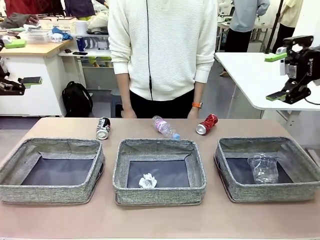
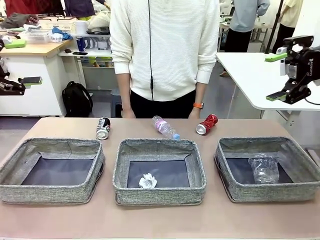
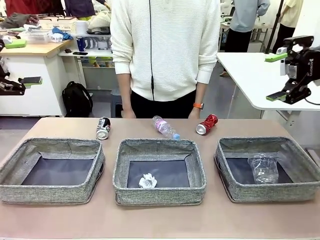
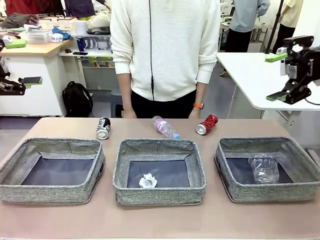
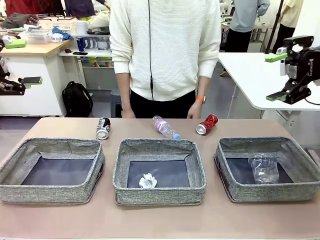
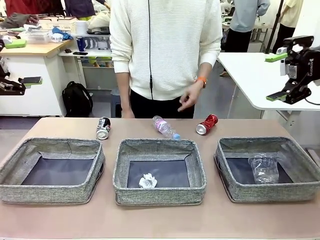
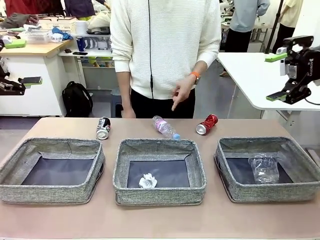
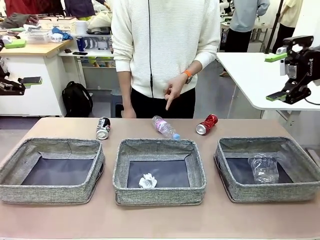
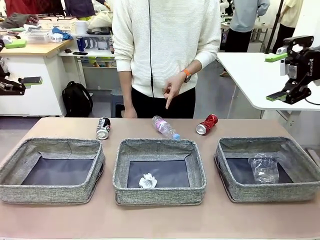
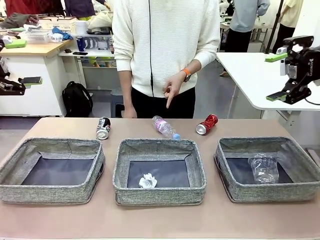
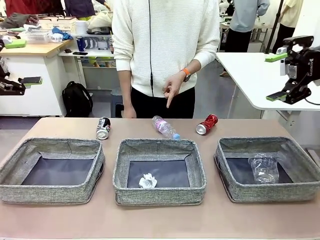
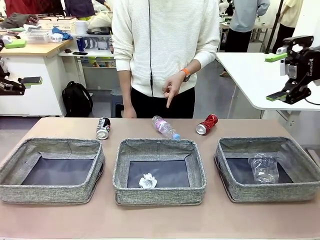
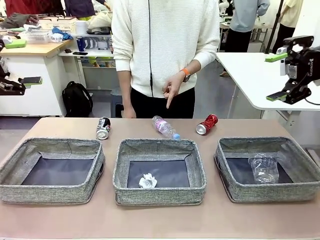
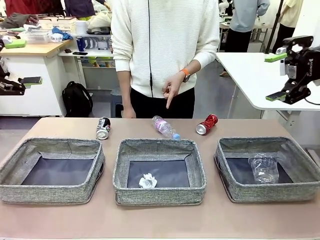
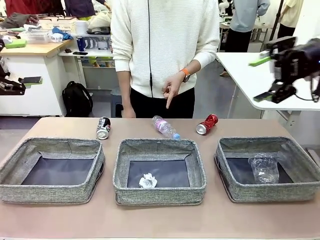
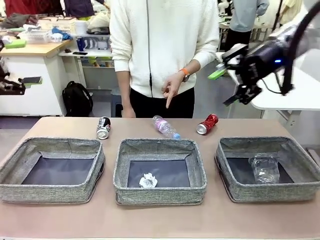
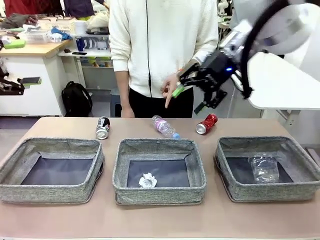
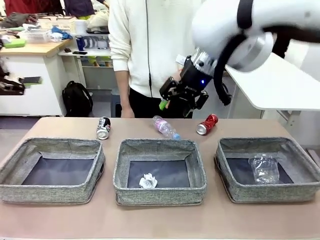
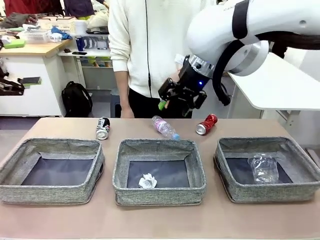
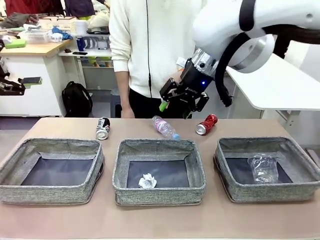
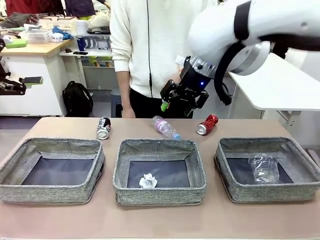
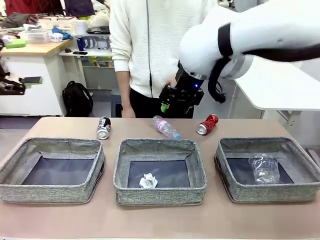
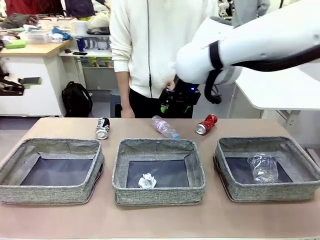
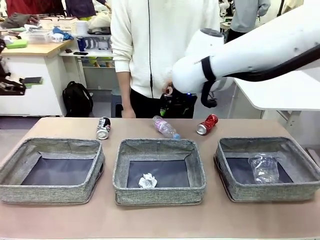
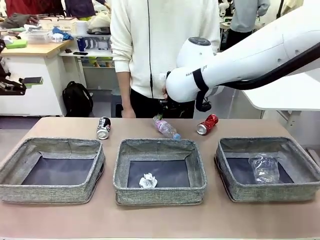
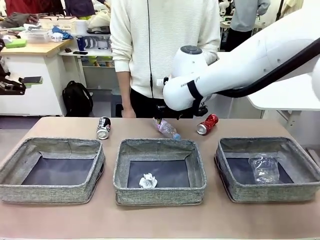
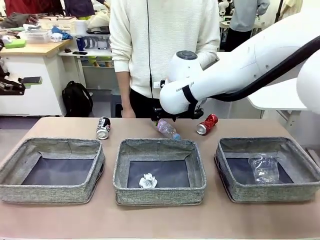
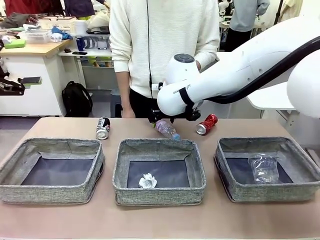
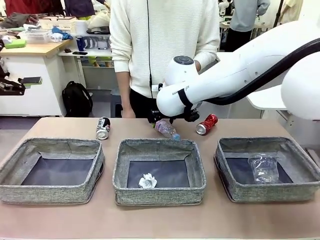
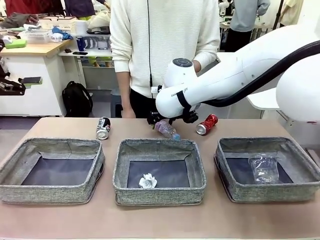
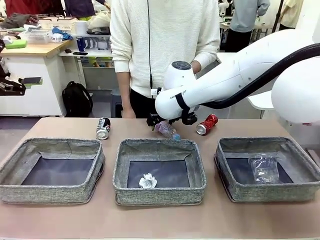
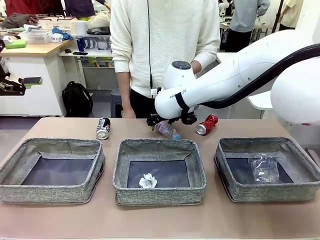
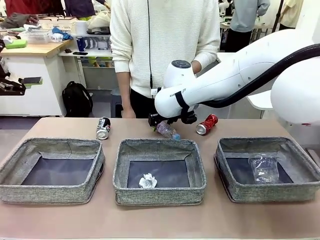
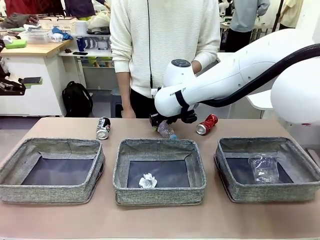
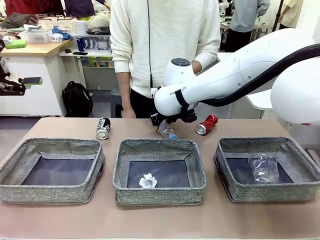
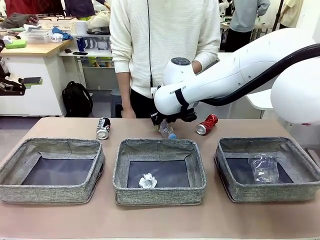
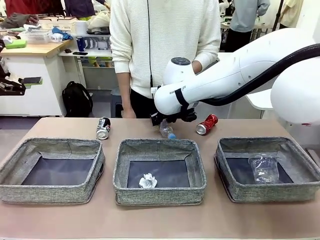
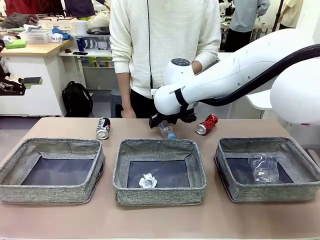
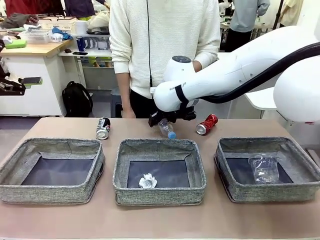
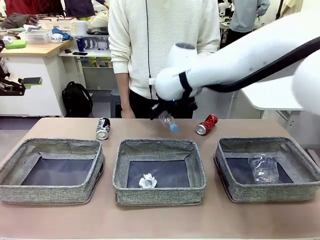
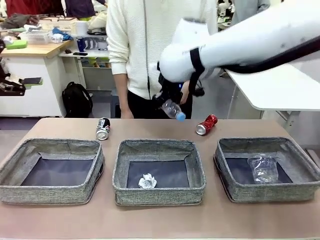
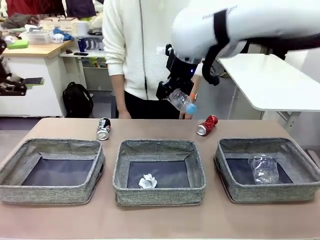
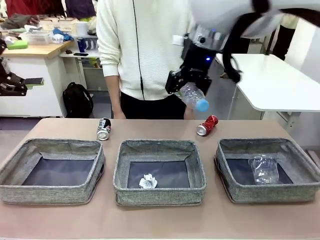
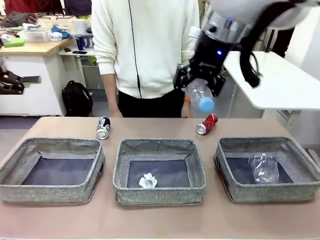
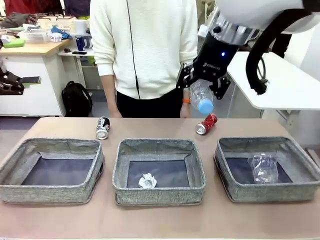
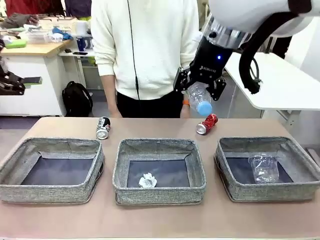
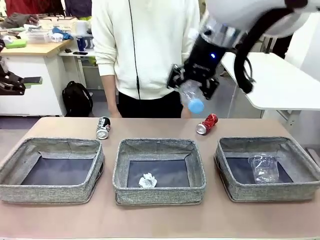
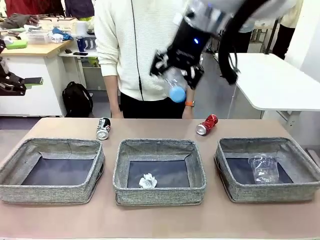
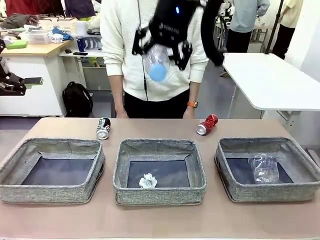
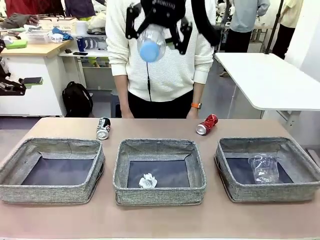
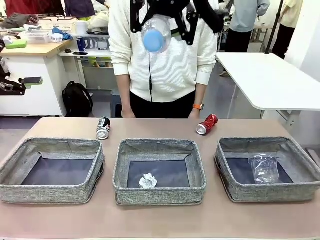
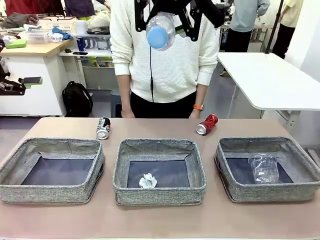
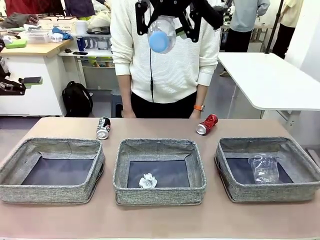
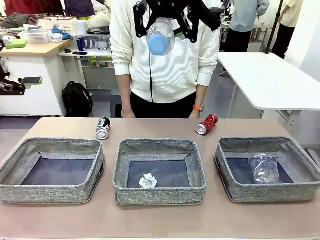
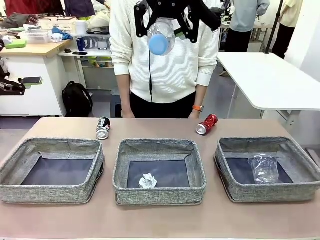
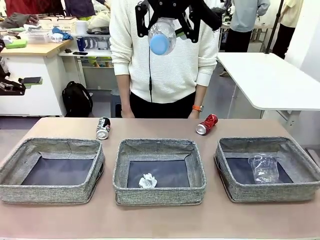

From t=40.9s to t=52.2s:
Task: Sort the waste into the appropriate baskets.
Robot: Pick up the waste item pointed out by the person.
Person: Points to one piece of trash on the table.

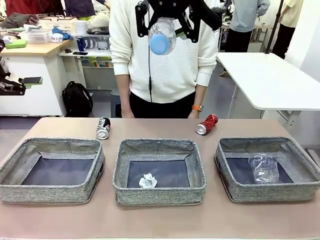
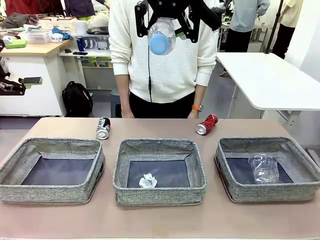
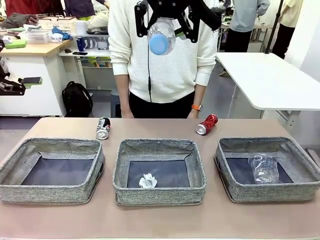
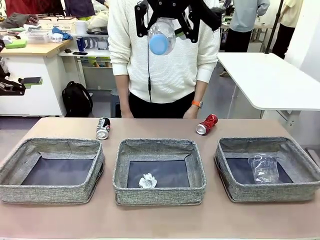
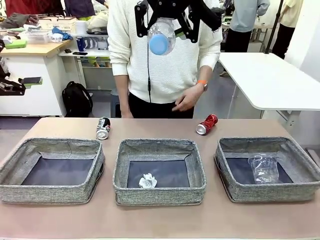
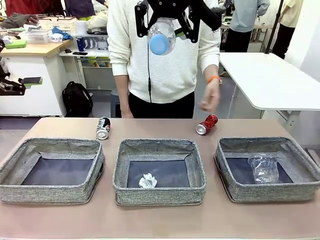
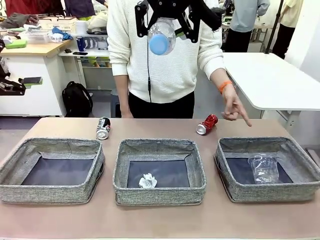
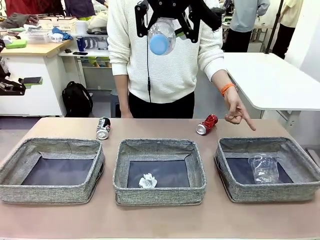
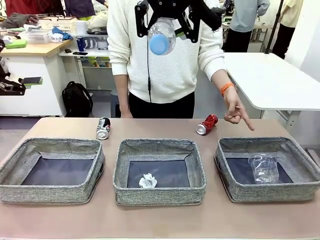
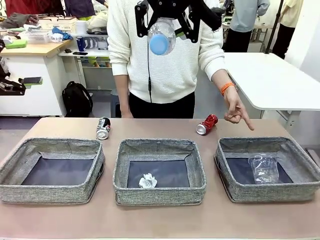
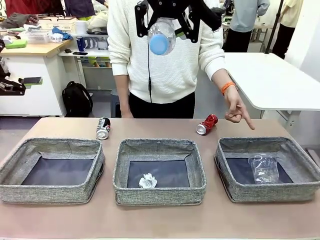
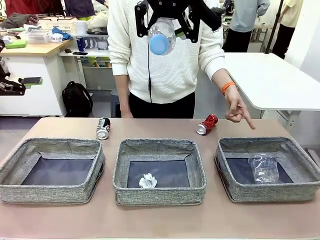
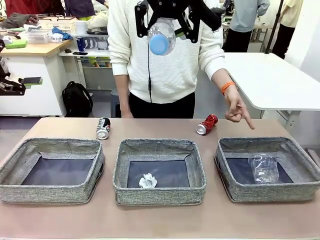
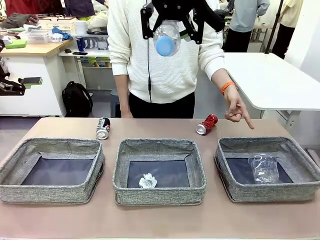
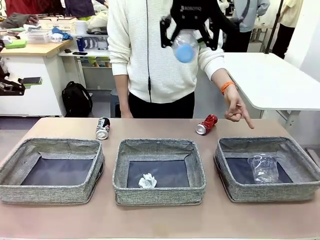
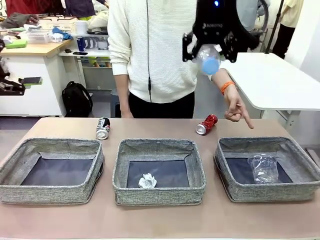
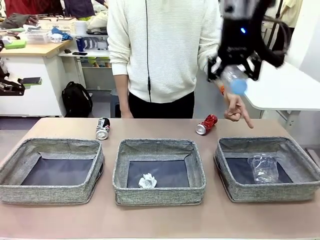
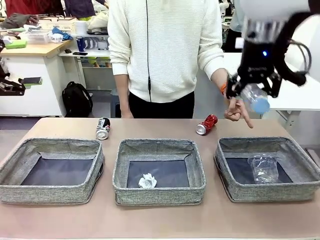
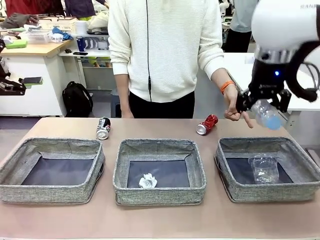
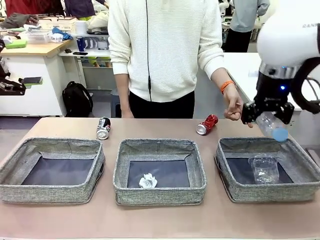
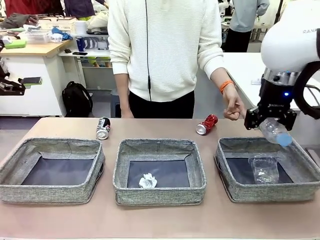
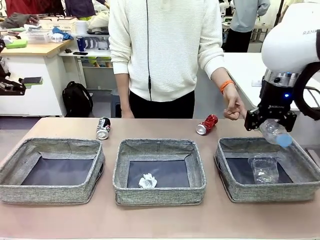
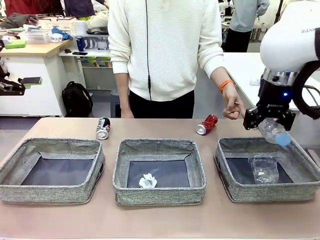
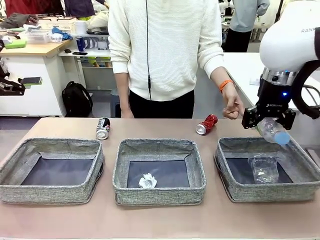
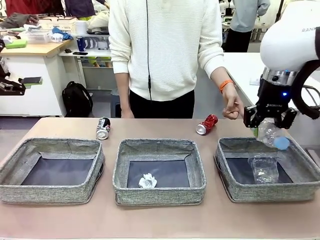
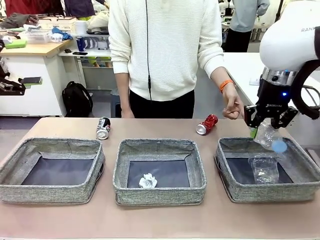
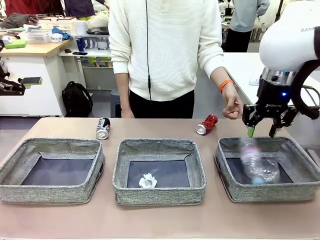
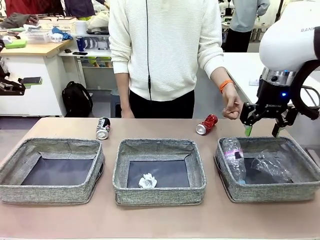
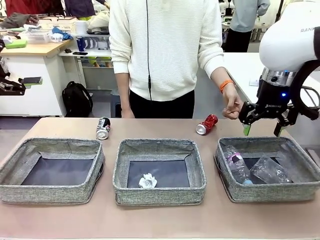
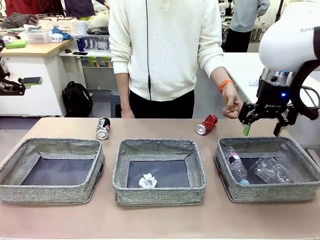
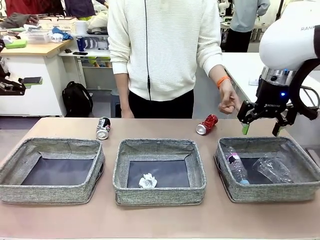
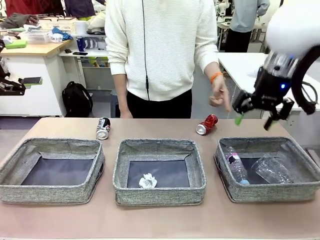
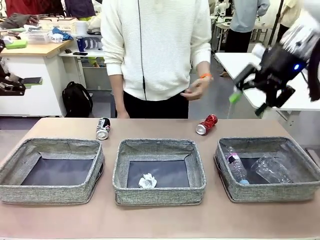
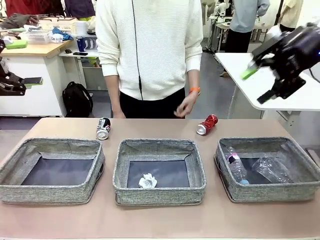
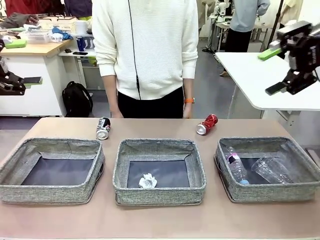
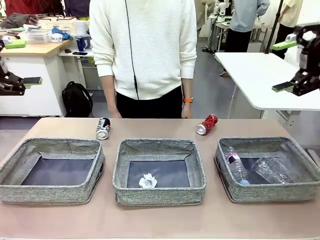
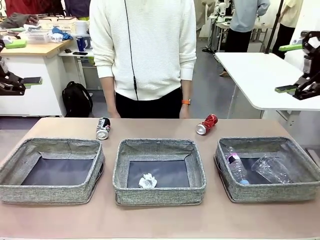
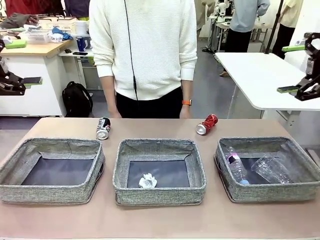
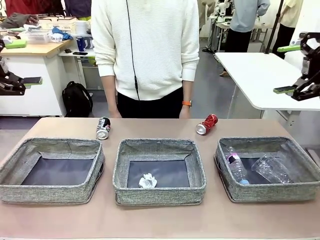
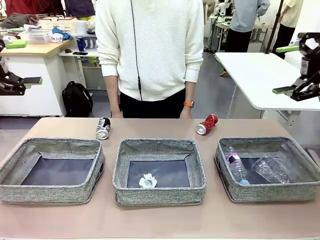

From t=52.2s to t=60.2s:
Robot: Place the picked waste into the Fabric basket indicated by the person.
Person: Instructs the robot to place the picked-up trash into the appropriate organizing basket.
